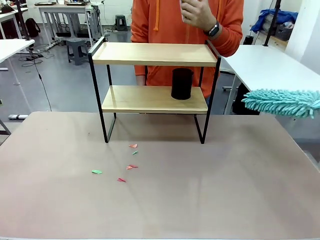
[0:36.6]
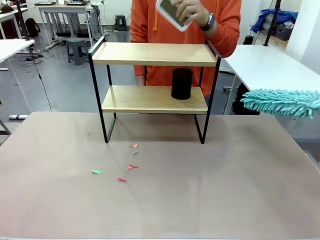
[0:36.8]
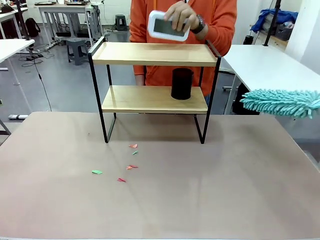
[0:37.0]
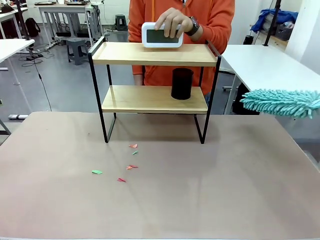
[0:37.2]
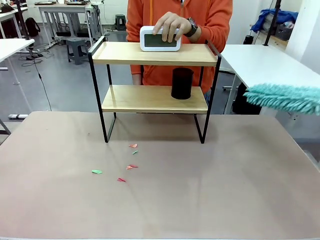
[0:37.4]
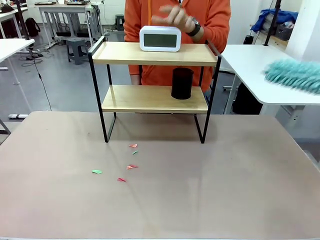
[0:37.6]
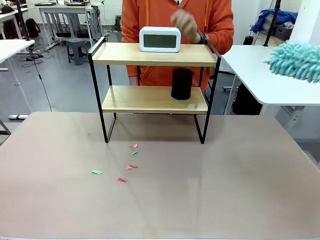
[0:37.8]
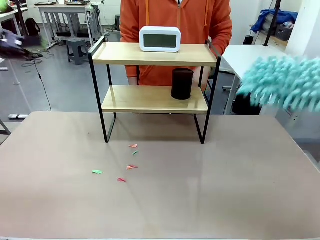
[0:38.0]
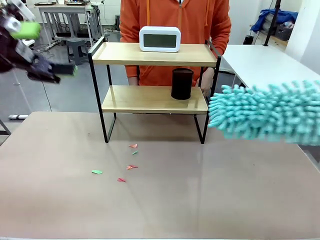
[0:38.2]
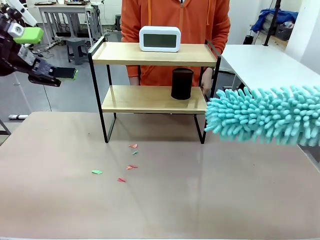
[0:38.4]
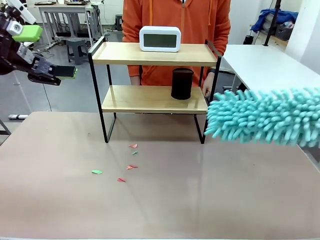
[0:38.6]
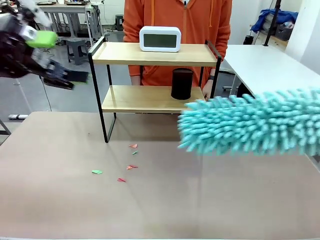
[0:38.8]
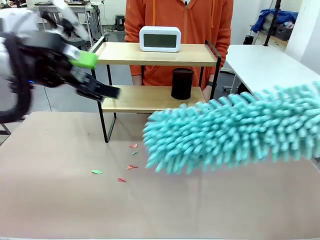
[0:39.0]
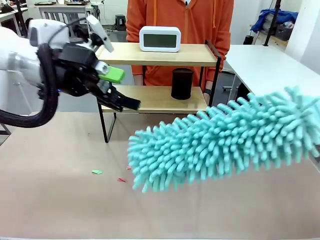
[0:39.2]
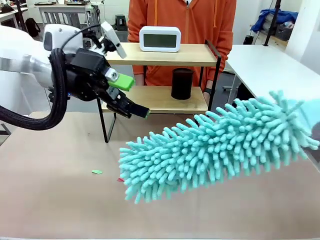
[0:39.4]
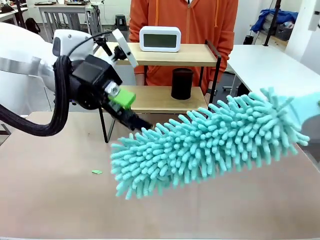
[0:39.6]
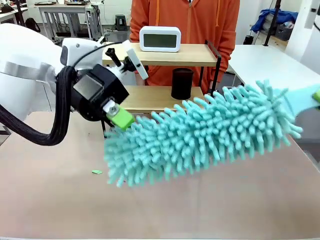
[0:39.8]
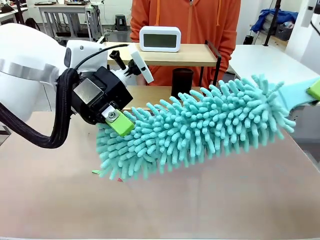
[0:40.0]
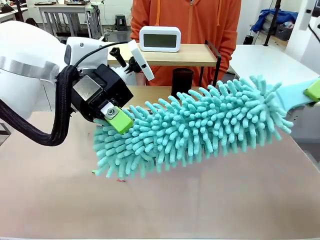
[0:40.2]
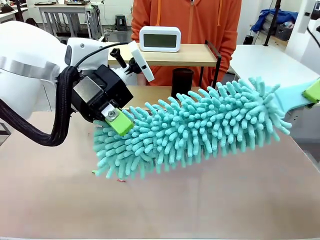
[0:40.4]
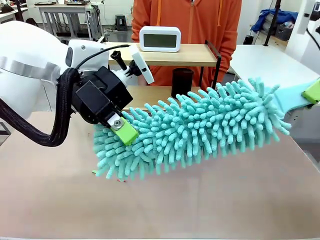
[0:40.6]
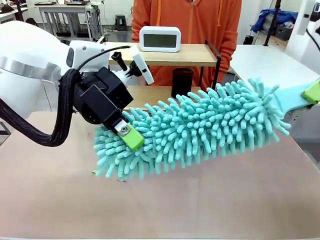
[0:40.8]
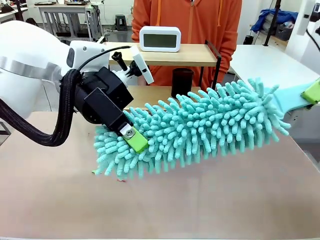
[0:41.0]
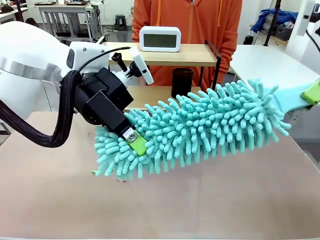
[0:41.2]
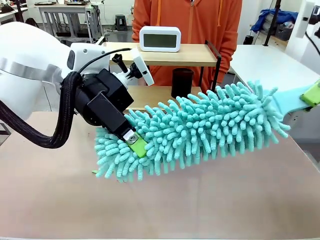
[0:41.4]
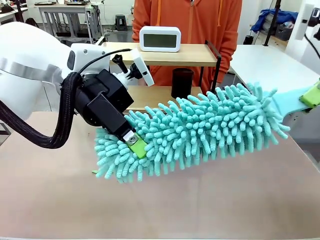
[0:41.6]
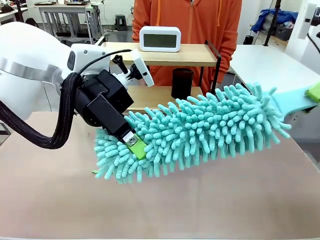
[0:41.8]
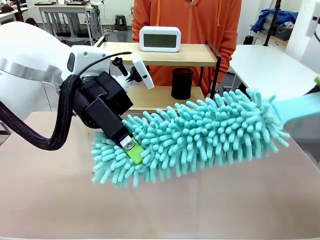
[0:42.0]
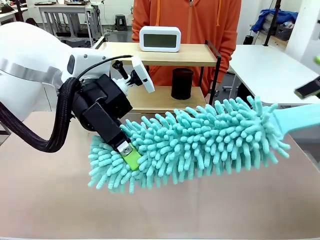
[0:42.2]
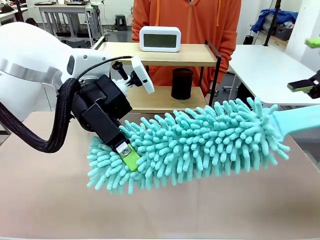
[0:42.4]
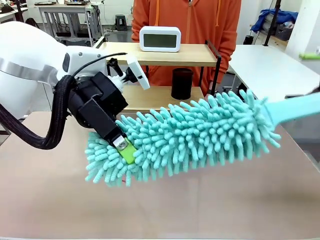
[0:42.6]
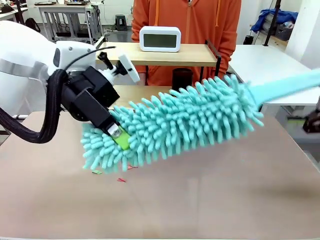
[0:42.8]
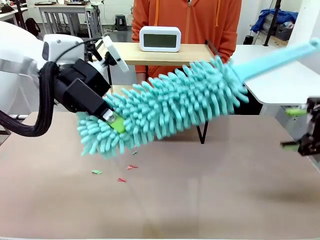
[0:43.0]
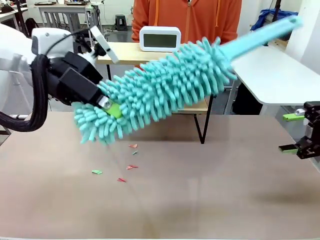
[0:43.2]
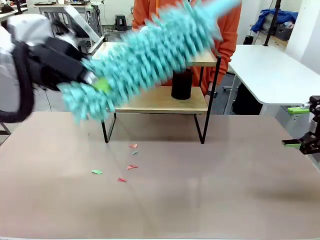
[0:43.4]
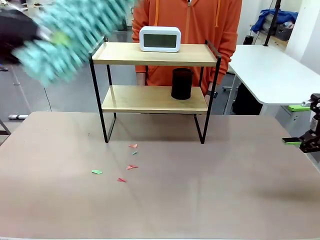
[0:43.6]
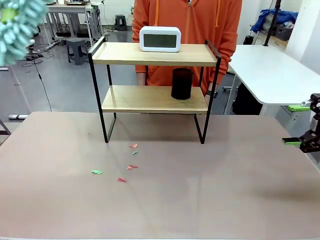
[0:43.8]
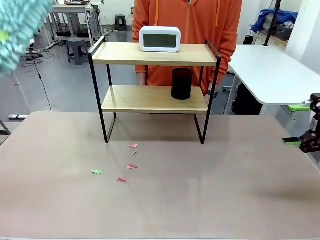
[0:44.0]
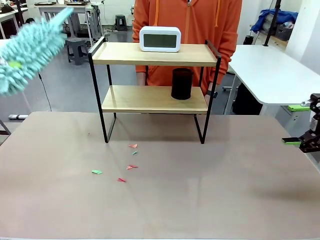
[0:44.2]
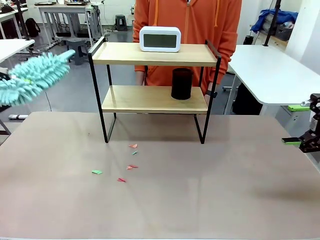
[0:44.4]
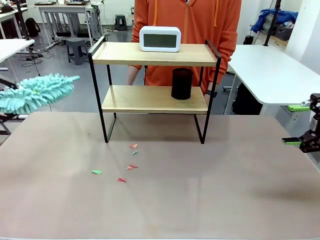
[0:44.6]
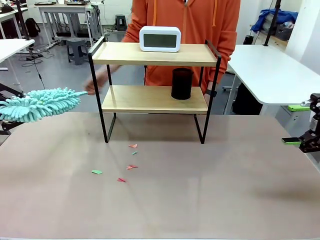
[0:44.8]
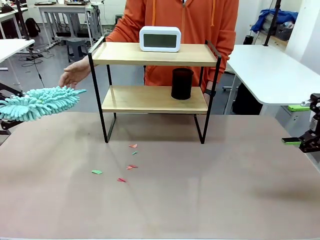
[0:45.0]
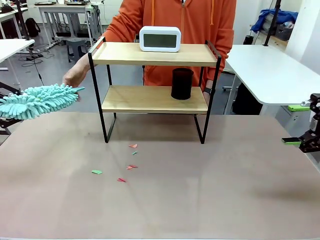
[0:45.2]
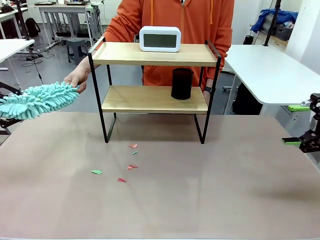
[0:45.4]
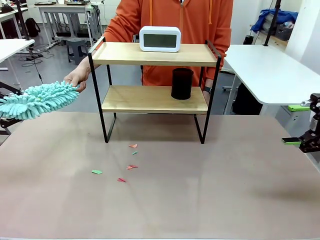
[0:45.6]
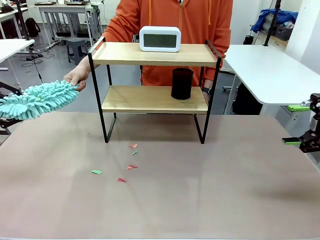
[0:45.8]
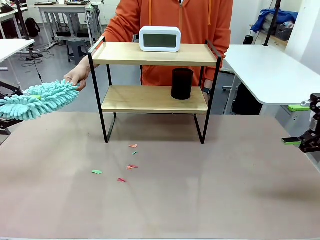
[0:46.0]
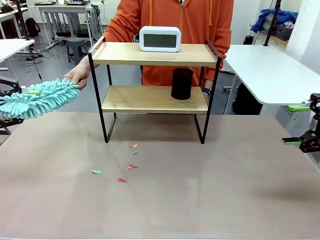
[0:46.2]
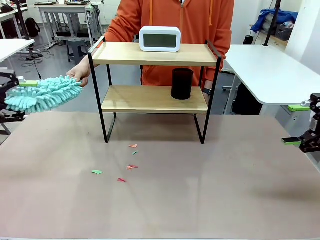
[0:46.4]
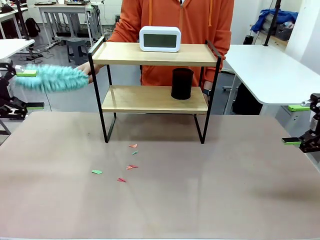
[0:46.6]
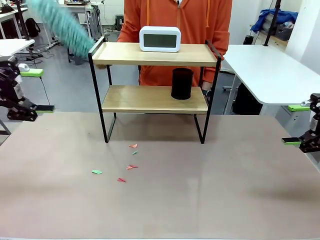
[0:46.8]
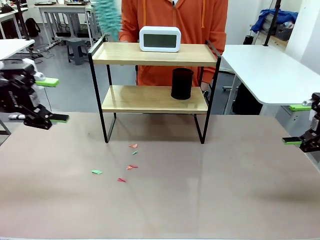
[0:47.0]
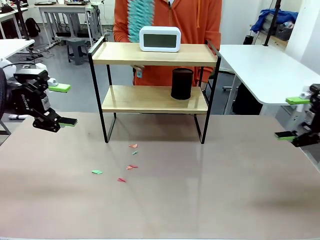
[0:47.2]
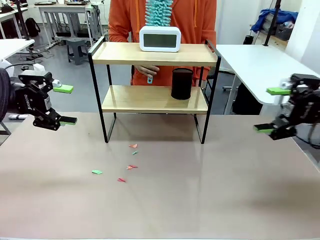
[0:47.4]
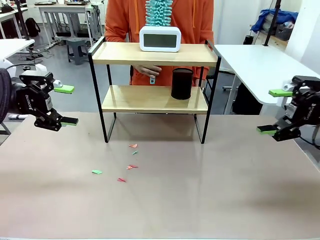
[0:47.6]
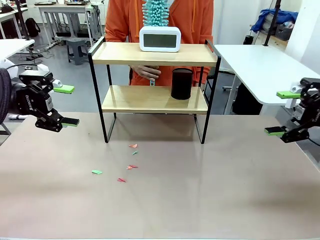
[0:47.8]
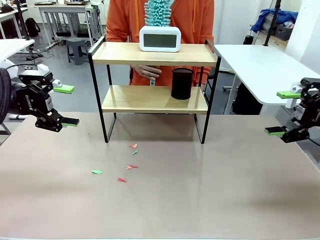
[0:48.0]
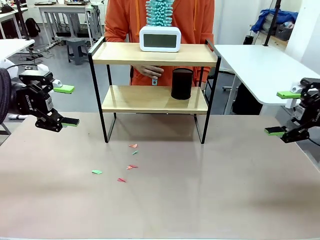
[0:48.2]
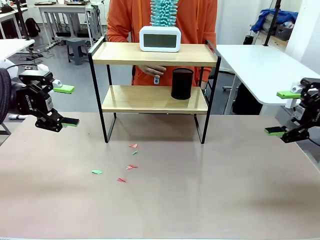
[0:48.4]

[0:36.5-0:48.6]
Task: Clean the shelf.
Robot: Hand the Duster back to the human.

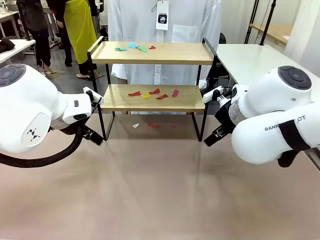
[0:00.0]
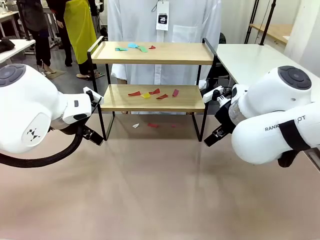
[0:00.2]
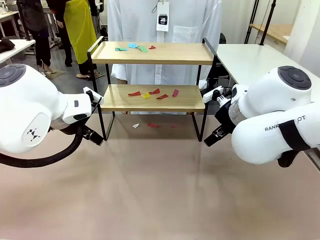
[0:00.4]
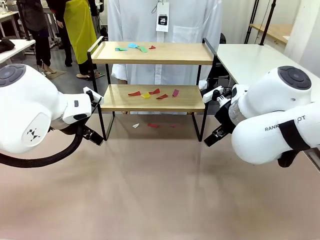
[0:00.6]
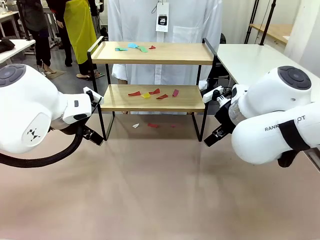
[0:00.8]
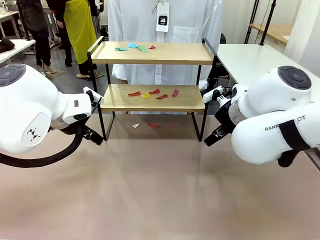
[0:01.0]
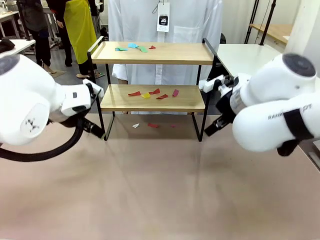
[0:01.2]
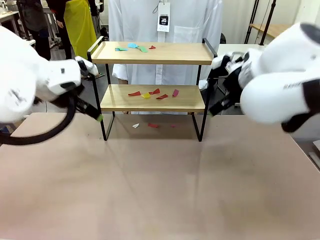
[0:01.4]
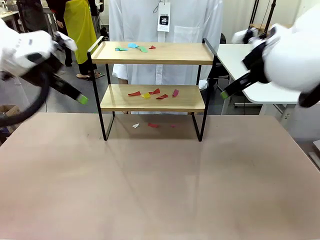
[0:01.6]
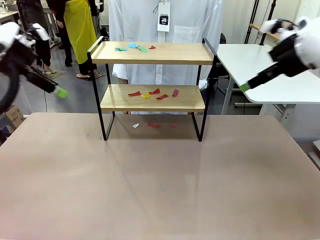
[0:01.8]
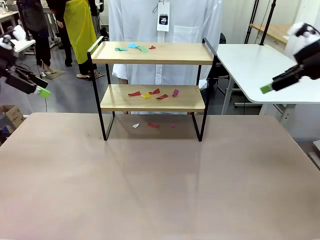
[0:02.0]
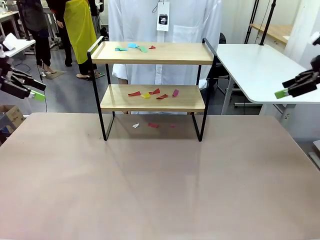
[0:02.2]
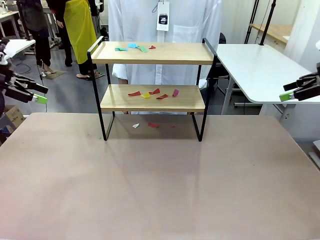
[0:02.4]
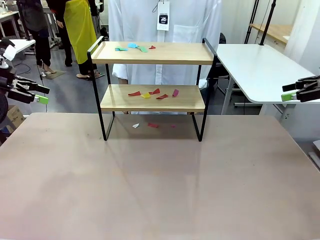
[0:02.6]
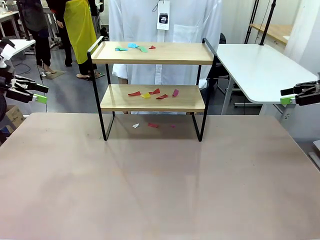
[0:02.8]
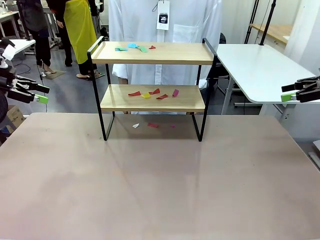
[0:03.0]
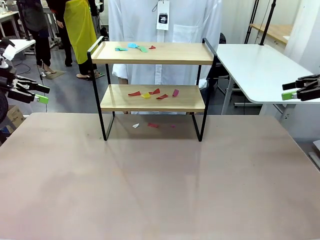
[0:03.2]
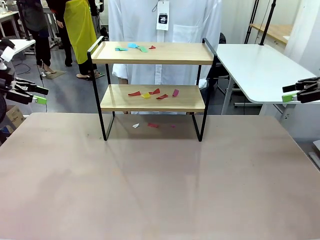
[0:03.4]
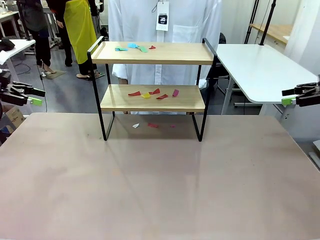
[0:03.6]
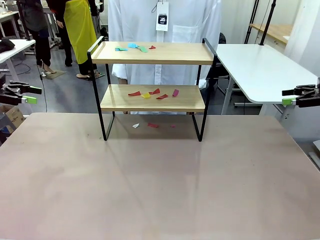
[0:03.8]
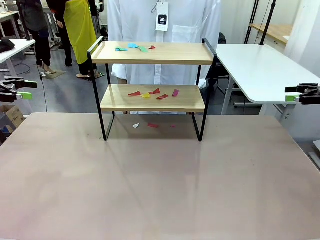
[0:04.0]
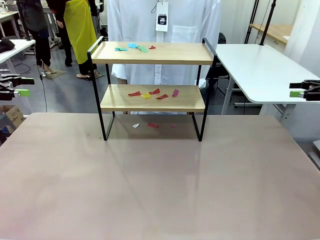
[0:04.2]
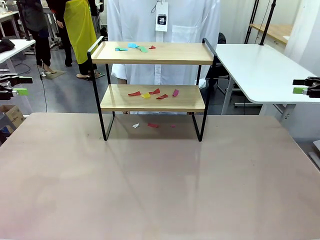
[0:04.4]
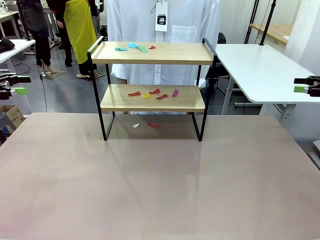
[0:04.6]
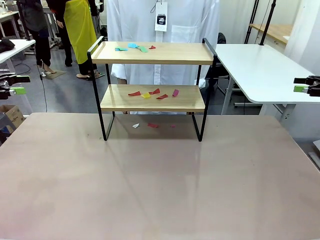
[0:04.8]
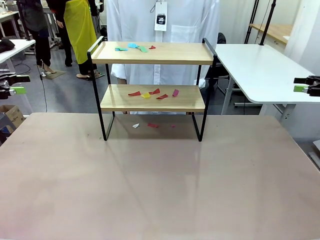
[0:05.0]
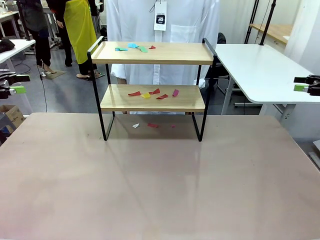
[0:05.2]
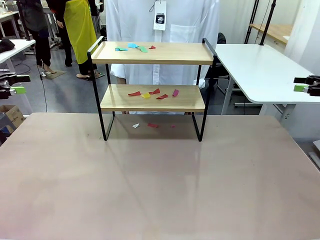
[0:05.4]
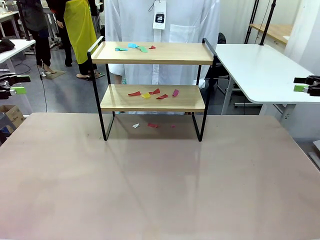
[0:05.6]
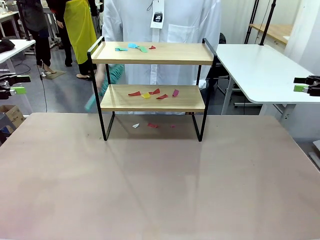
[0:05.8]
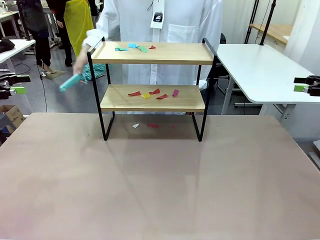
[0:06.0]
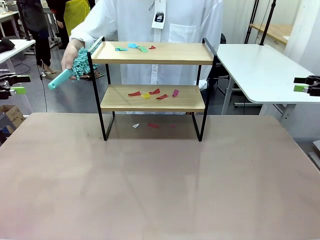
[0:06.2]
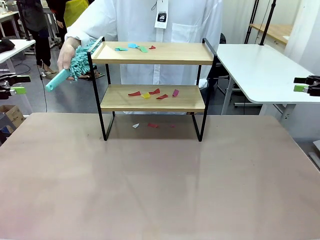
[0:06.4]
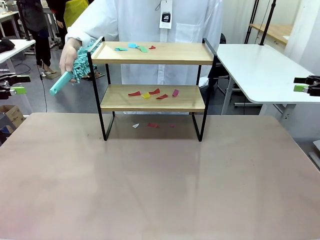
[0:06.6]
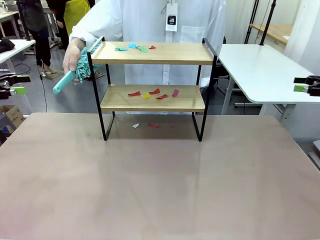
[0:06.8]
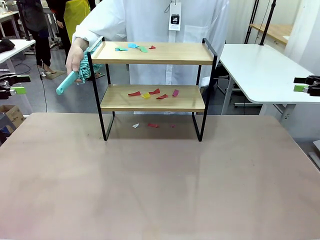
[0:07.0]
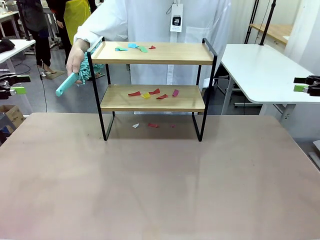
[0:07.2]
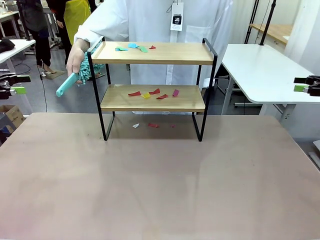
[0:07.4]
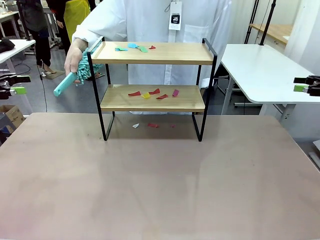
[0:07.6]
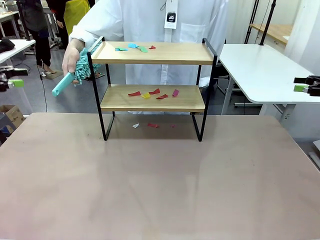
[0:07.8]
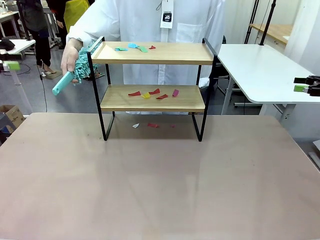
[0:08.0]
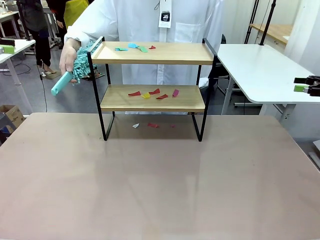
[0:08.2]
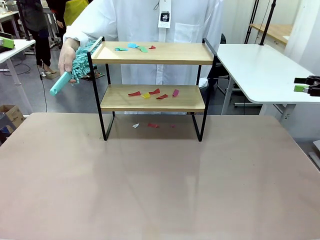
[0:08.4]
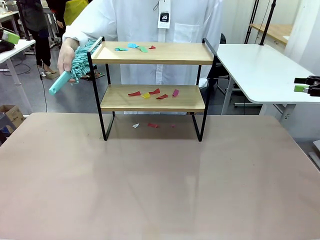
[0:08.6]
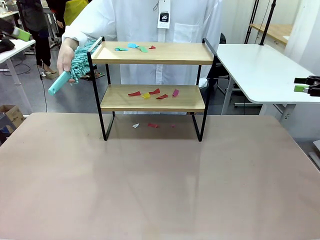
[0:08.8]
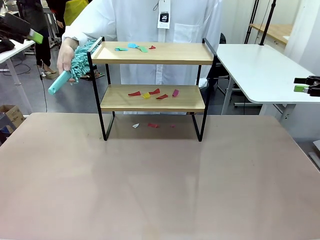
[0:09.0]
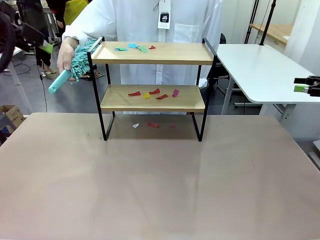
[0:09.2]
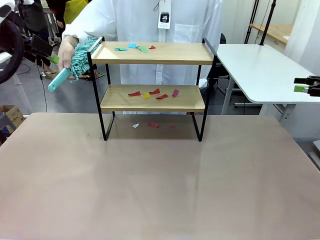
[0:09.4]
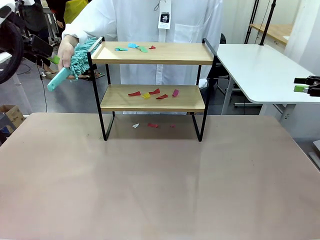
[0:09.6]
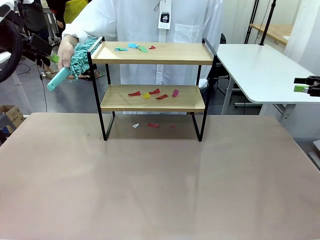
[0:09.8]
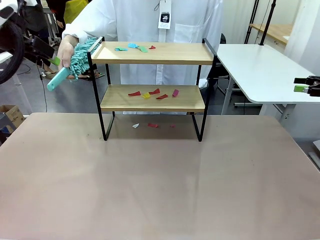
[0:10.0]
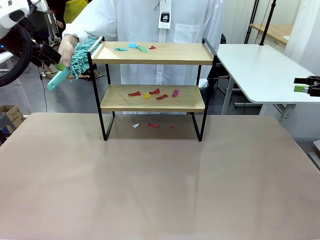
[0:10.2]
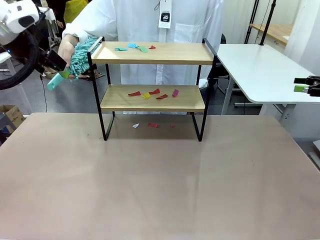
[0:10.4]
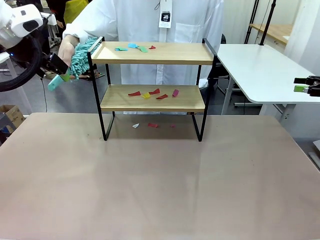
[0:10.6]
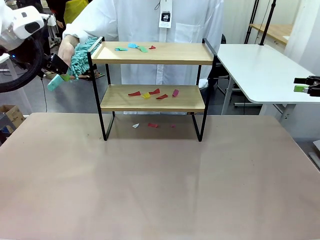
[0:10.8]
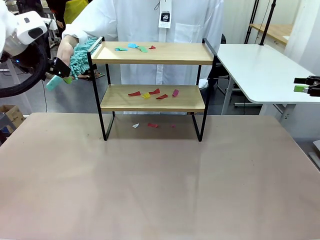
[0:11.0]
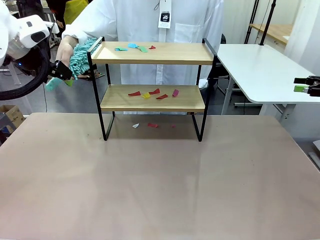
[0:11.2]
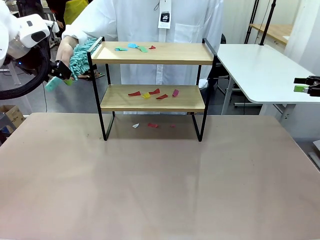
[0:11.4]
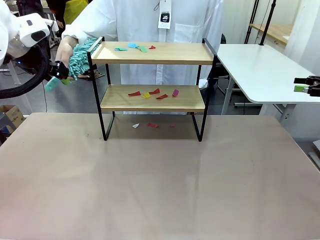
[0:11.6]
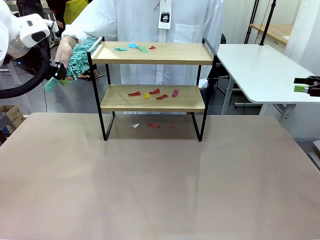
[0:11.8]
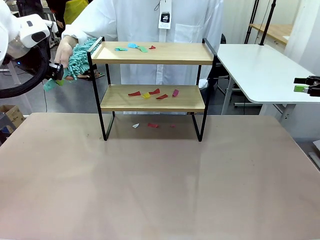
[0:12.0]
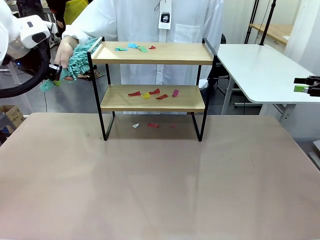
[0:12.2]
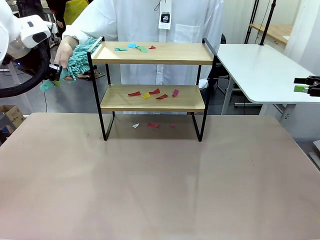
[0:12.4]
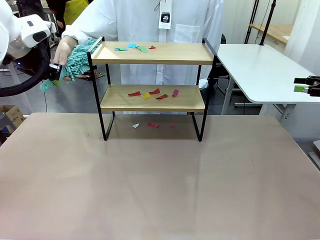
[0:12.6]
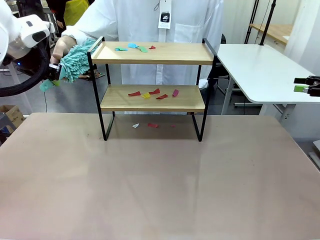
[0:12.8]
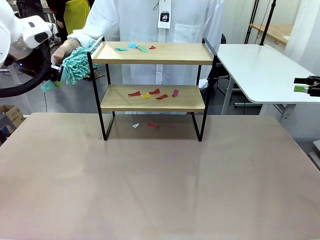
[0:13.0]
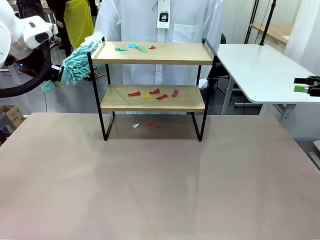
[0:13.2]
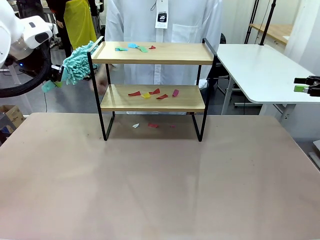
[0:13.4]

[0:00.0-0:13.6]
Task: Clean the shelf.
Robot: Pick up the Duster handed by the human.
Person: Hand the Duster to the robot.
